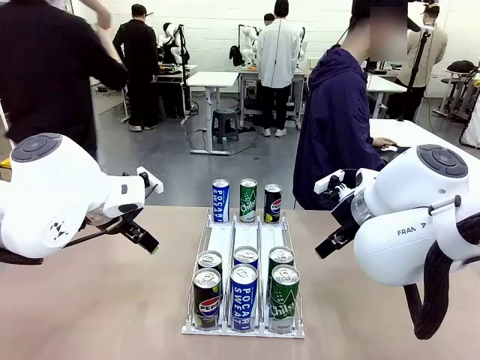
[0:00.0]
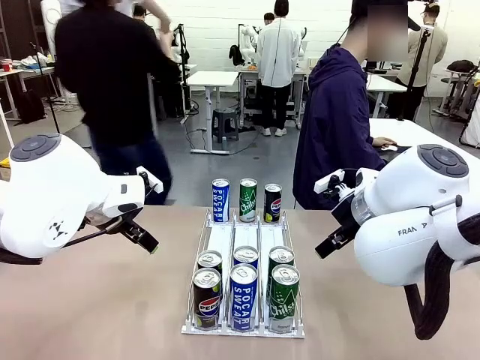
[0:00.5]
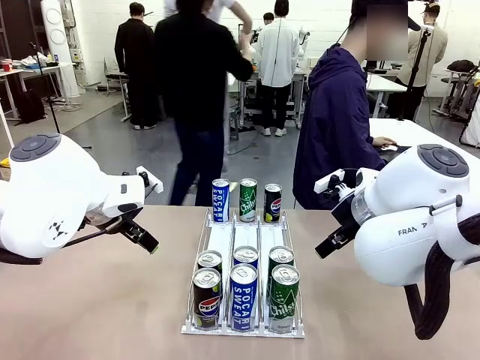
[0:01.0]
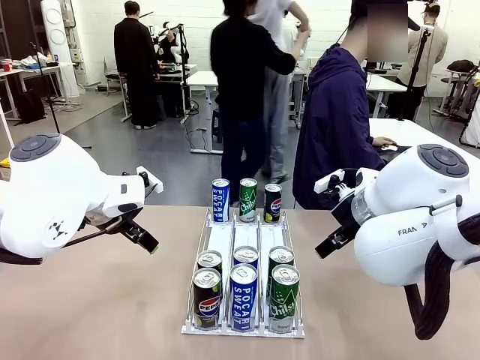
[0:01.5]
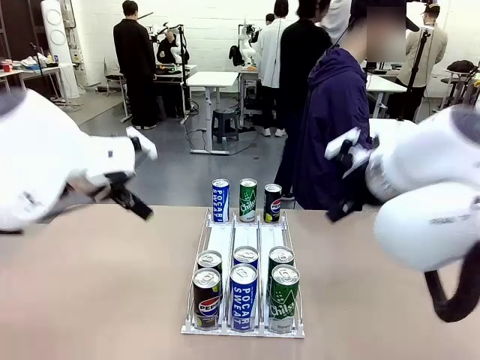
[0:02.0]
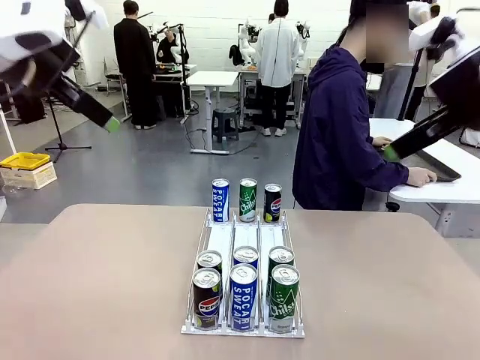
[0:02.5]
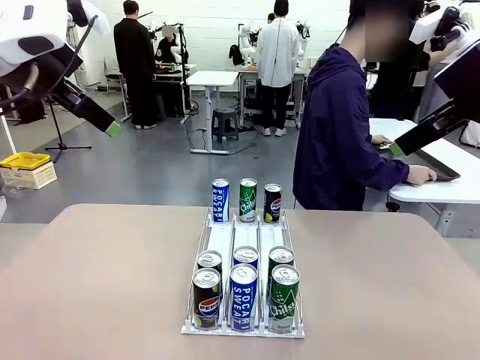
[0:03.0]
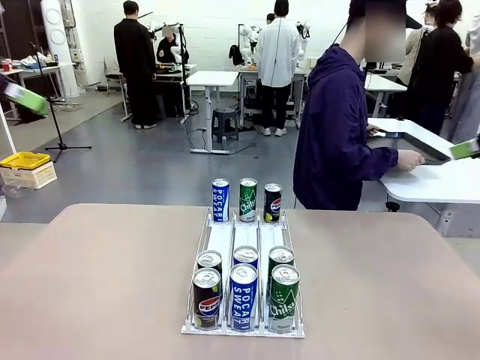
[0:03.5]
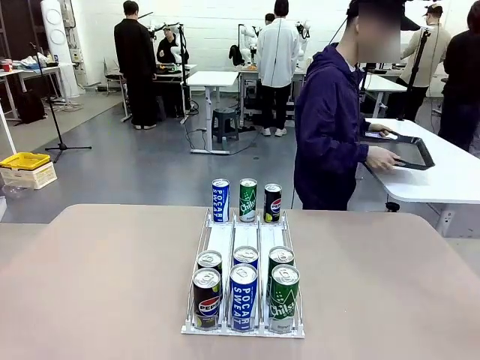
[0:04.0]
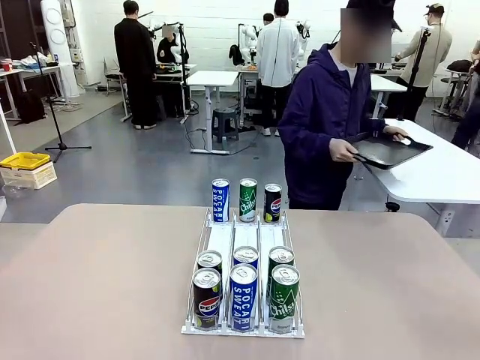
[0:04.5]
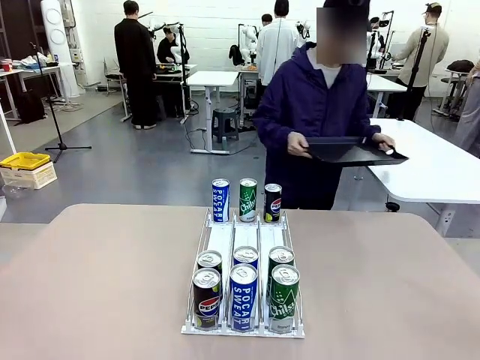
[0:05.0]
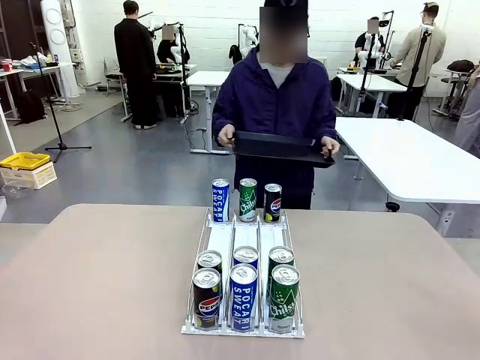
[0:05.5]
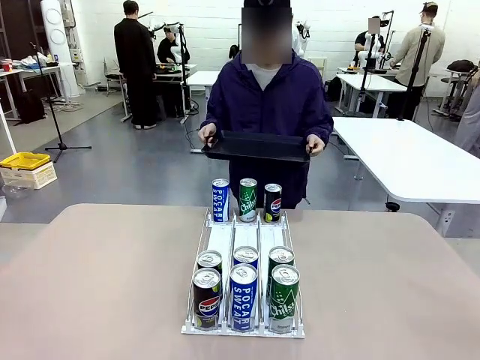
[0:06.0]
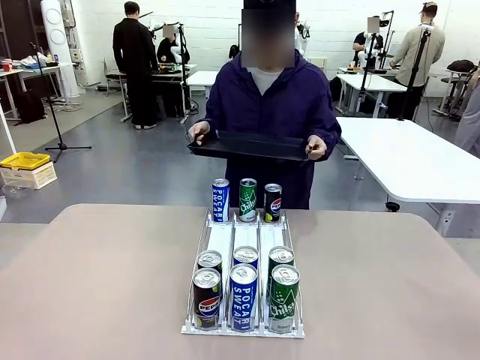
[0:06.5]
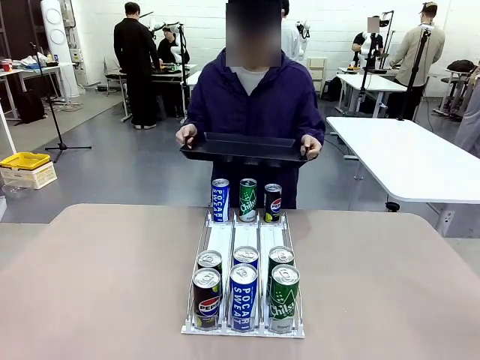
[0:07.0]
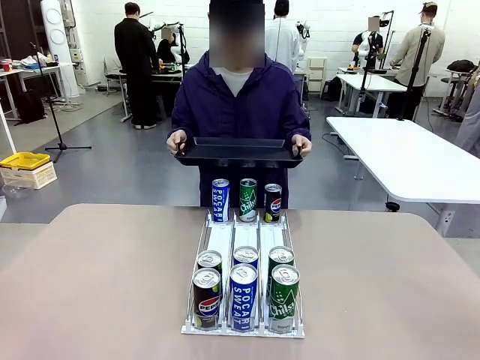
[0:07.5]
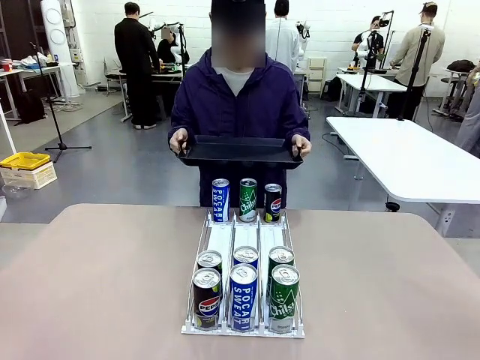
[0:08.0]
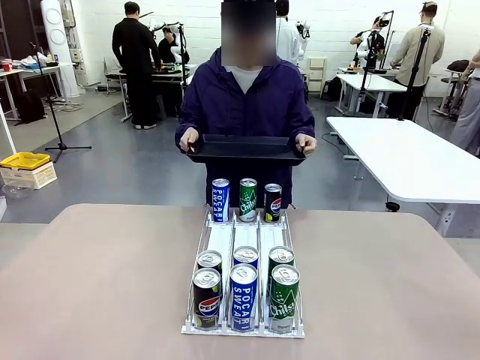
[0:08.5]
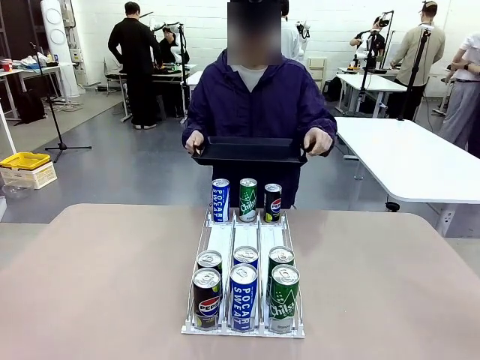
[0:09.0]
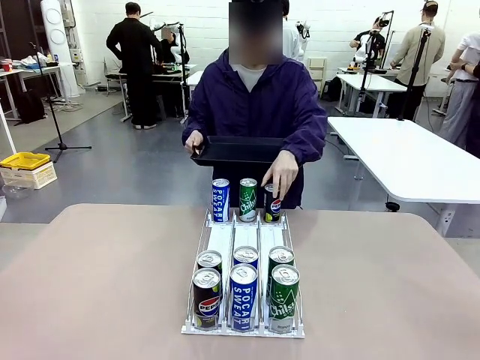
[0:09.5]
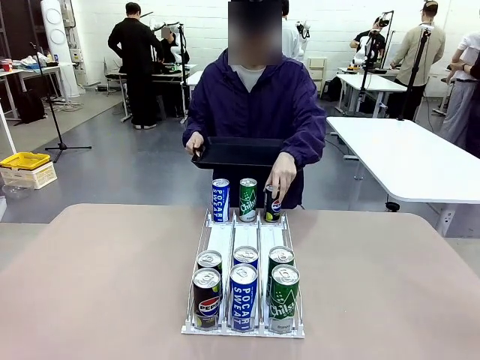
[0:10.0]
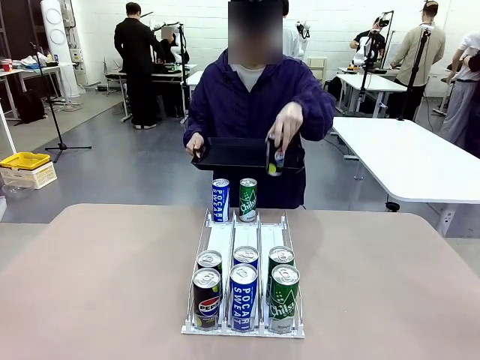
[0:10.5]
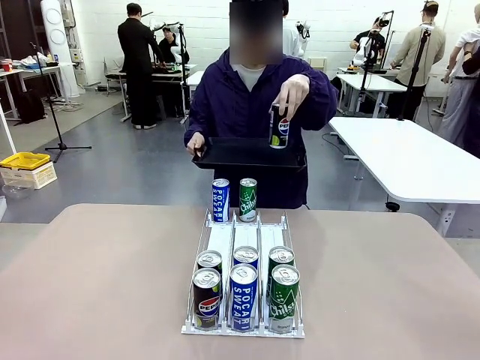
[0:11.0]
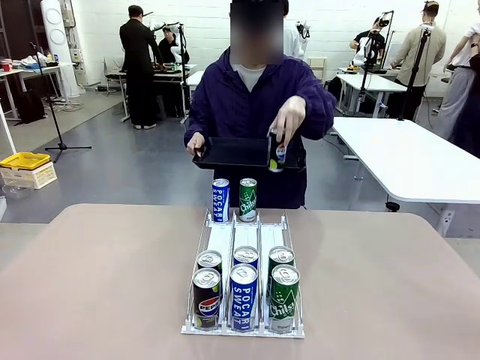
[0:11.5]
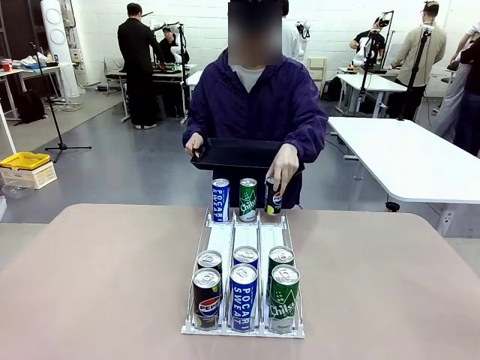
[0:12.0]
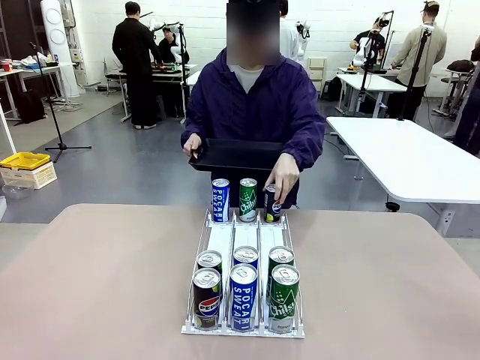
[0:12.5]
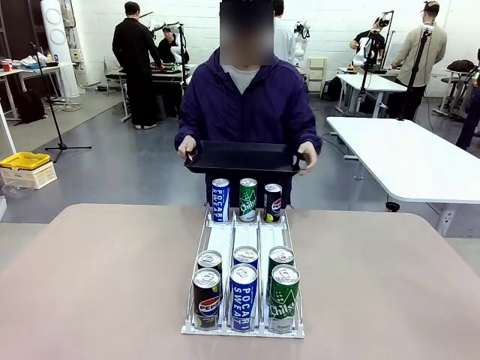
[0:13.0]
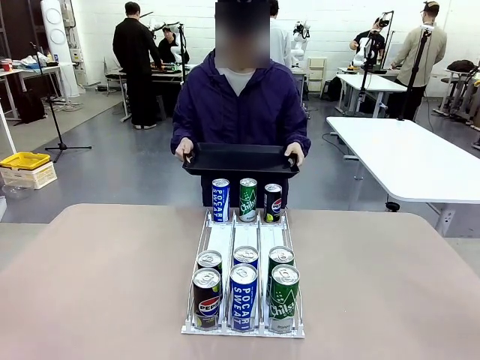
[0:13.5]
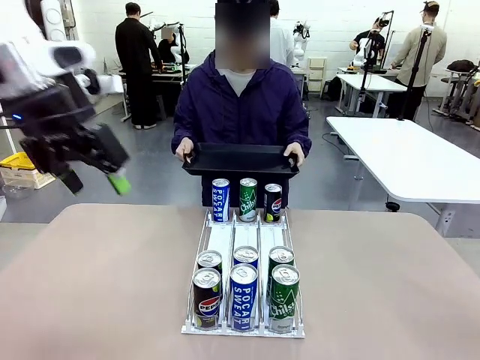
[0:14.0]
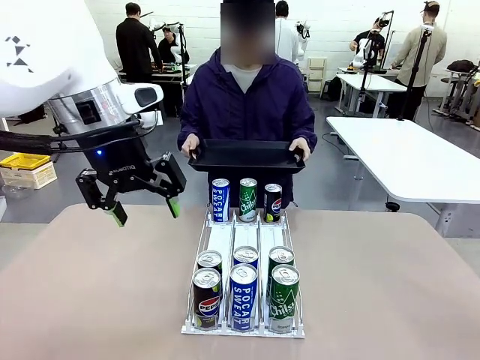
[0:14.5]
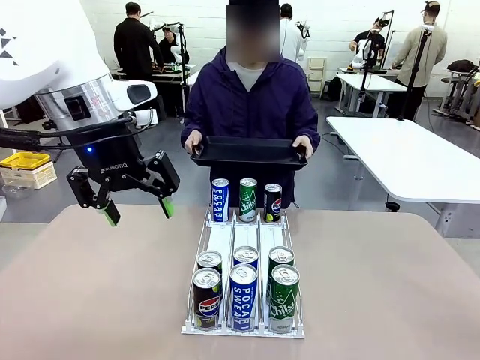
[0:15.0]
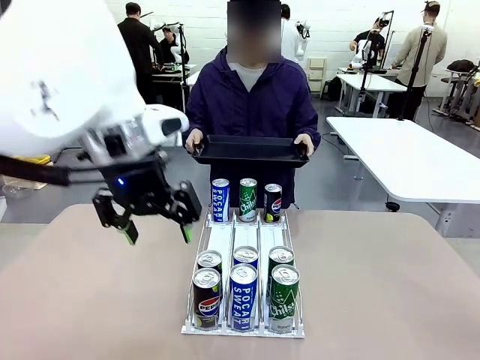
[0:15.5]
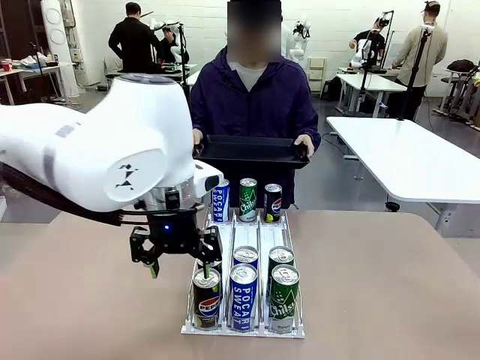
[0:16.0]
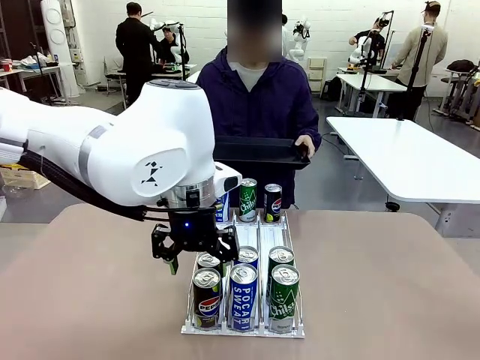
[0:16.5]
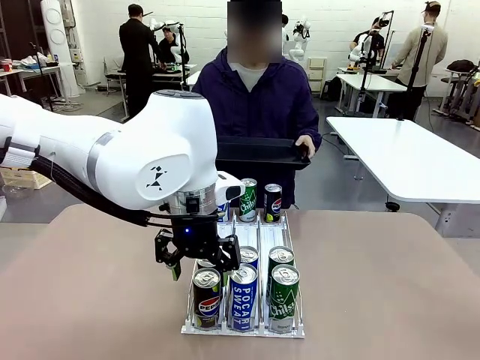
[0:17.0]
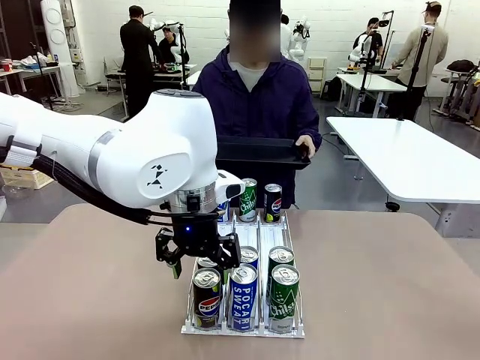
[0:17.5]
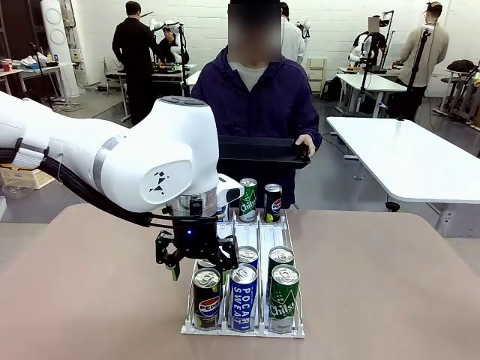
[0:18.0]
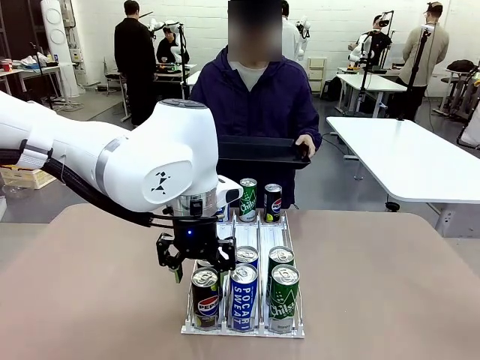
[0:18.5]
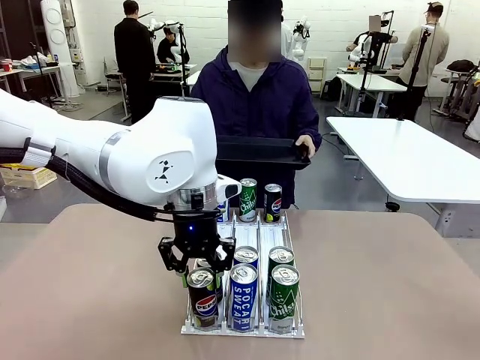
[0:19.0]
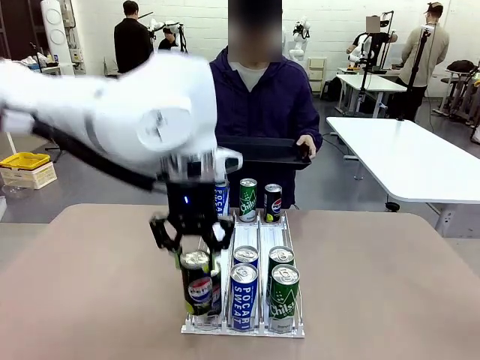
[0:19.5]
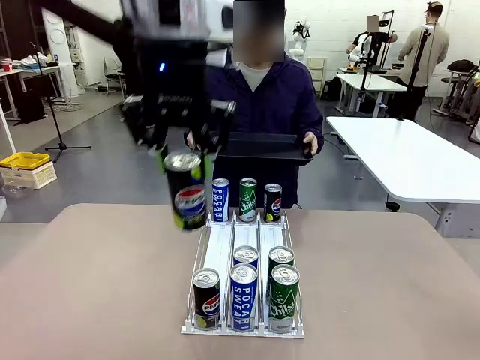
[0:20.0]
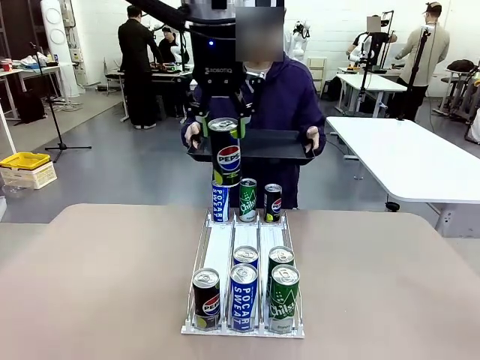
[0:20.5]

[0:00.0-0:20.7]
Task: Retrieve and hand over the desired beverage to the person.
Robot: Pick up a can of the same type that the person held from the Automatic Can Dispenser.
Person: Hold the tray and position yourself in front of the robot table. Pick up one can from the bottom area of the table and puts it back in its original place. Push the tray toward the robot.

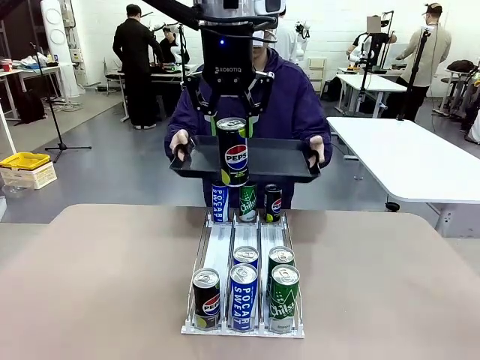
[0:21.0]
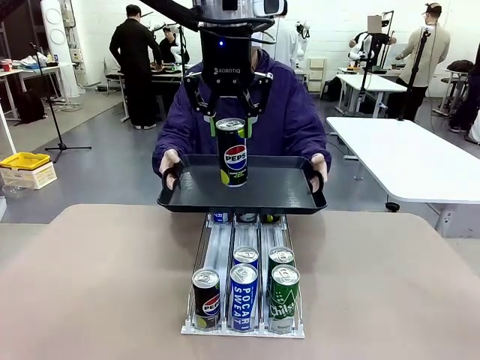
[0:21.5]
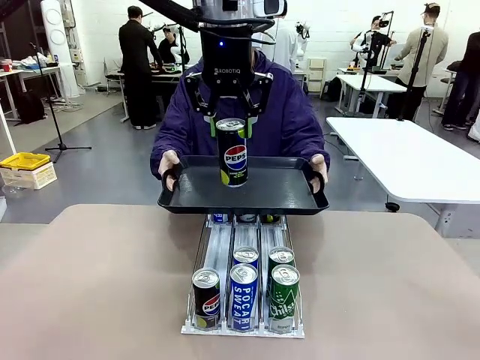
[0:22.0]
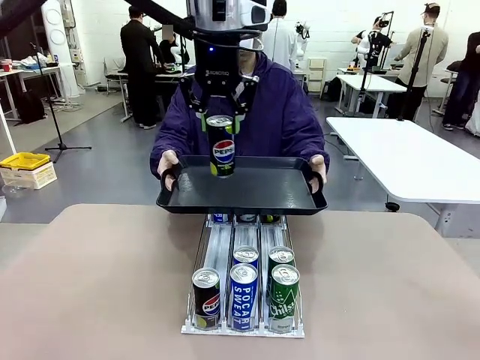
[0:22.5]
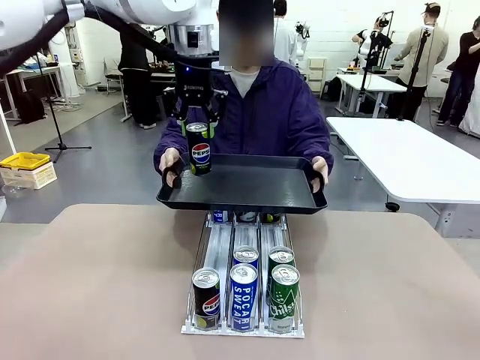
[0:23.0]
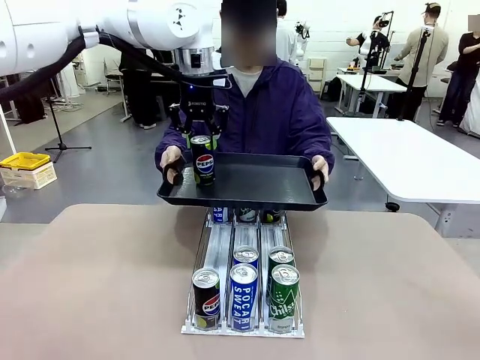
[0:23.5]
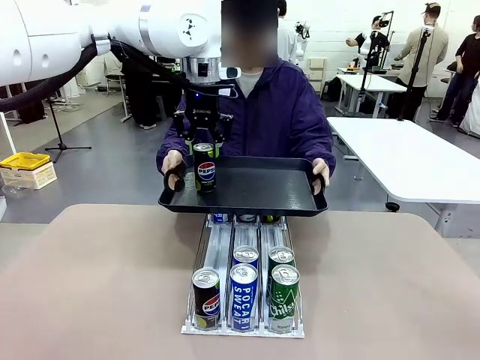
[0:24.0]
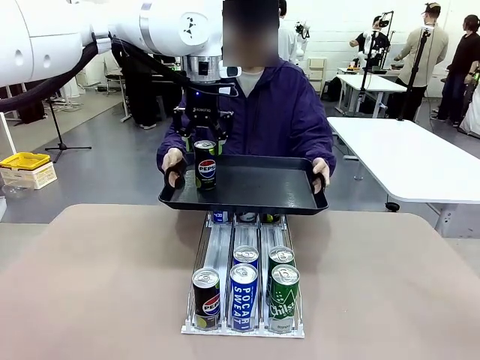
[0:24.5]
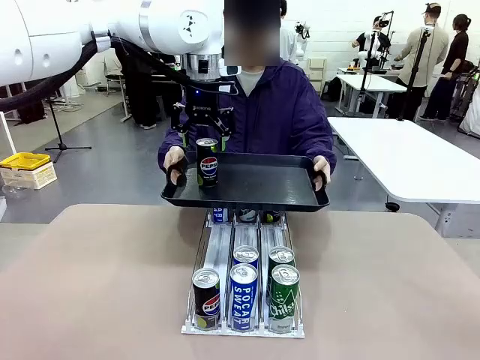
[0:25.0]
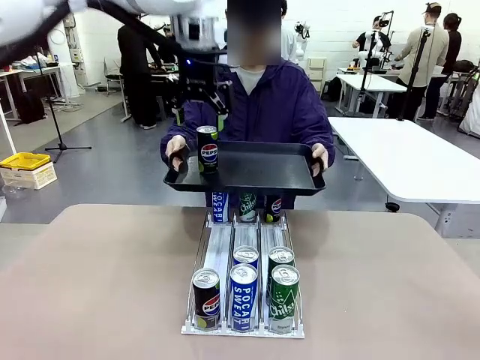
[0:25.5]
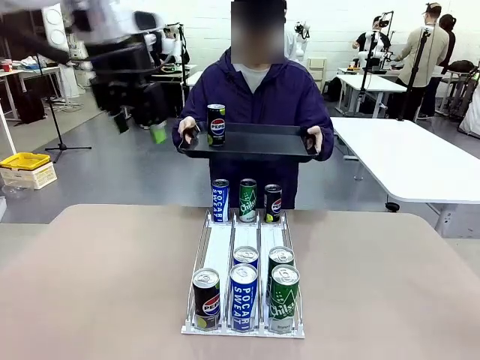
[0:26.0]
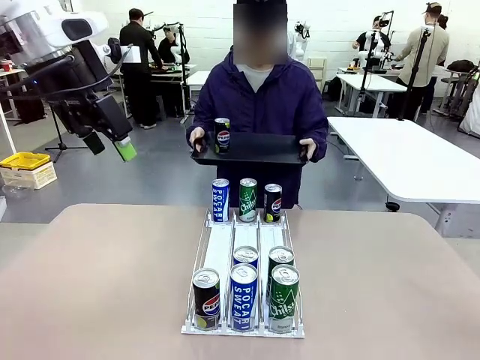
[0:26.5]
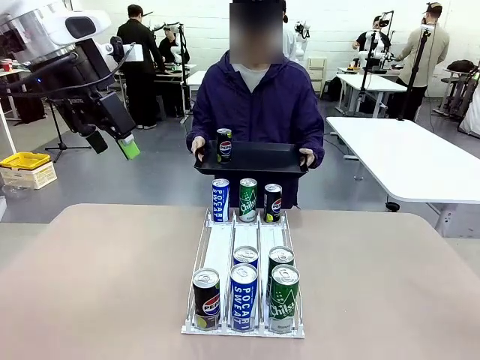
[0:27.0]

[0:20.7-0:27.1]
Robot: Place the picked can on the Handle tray extended by the person.
